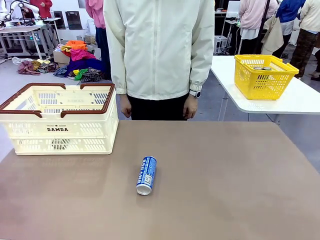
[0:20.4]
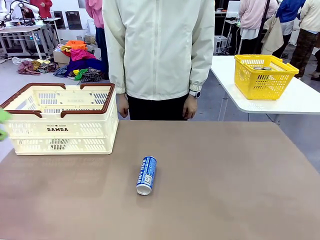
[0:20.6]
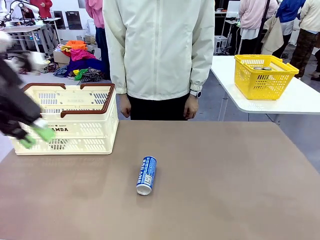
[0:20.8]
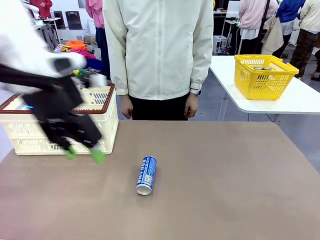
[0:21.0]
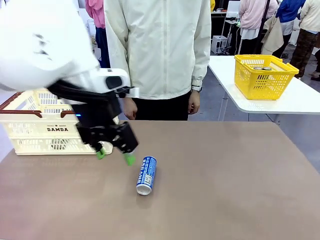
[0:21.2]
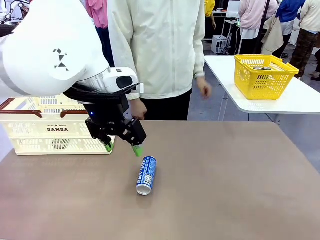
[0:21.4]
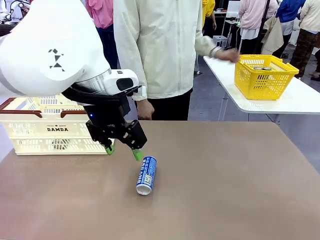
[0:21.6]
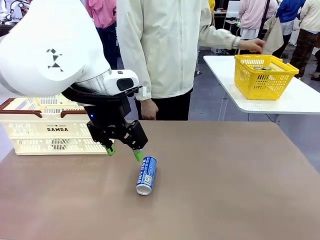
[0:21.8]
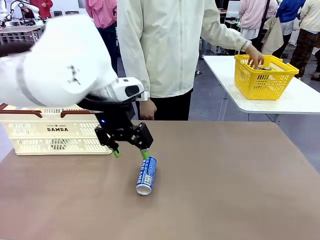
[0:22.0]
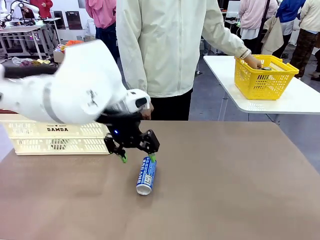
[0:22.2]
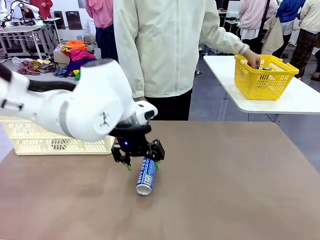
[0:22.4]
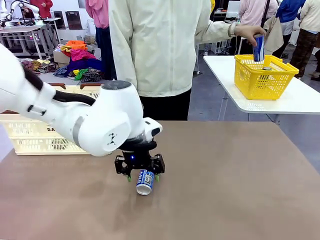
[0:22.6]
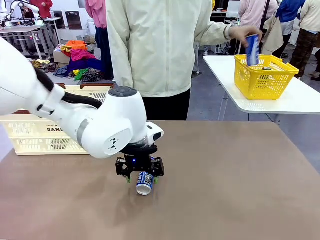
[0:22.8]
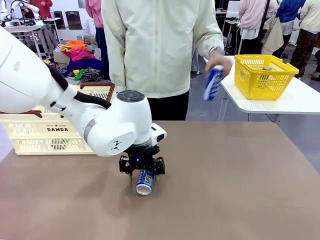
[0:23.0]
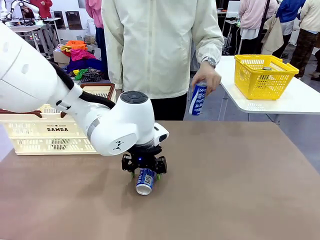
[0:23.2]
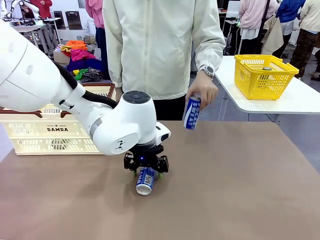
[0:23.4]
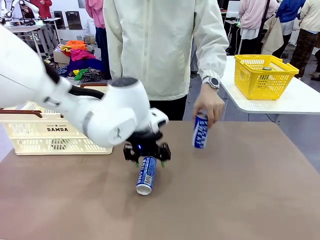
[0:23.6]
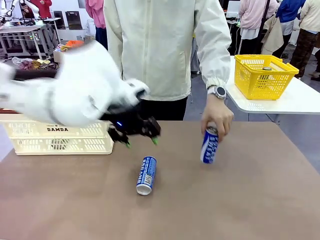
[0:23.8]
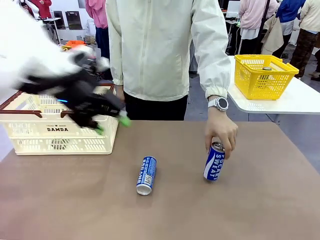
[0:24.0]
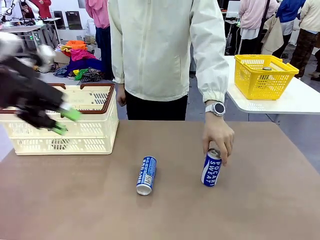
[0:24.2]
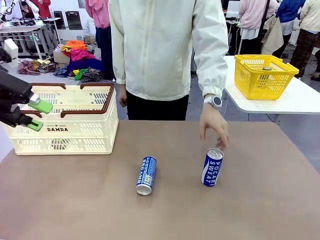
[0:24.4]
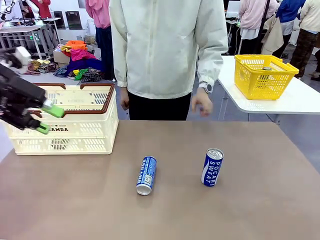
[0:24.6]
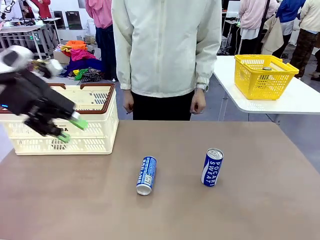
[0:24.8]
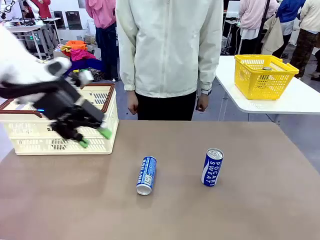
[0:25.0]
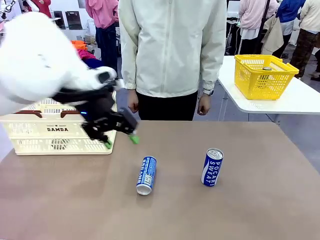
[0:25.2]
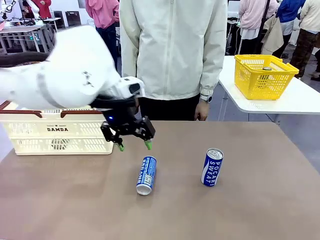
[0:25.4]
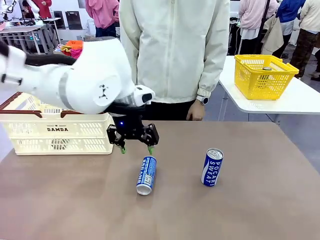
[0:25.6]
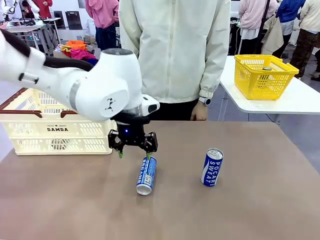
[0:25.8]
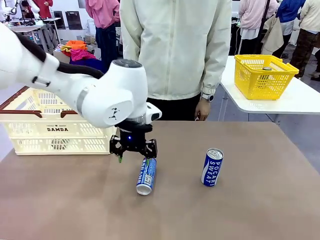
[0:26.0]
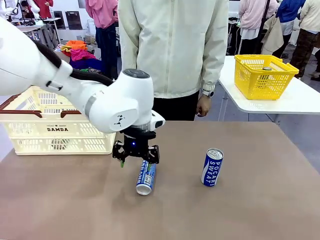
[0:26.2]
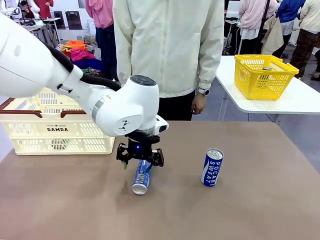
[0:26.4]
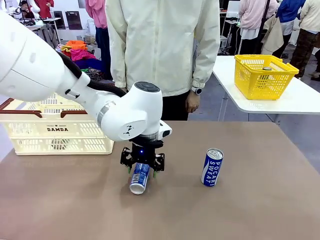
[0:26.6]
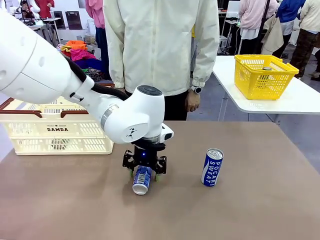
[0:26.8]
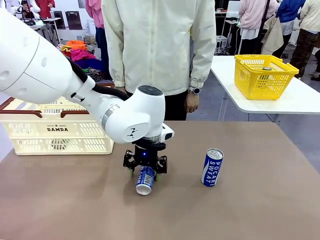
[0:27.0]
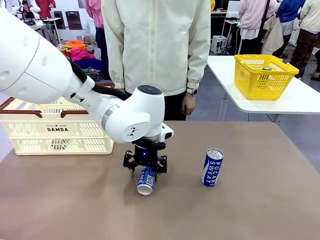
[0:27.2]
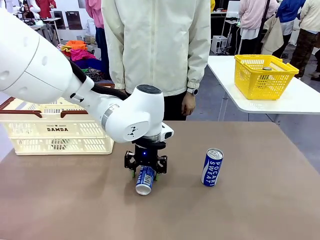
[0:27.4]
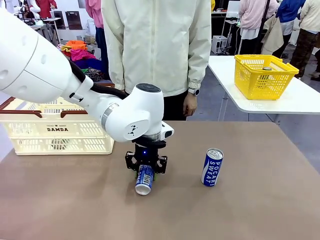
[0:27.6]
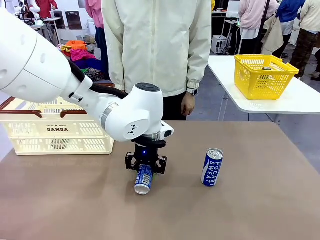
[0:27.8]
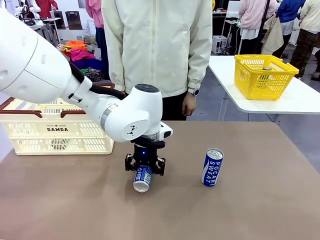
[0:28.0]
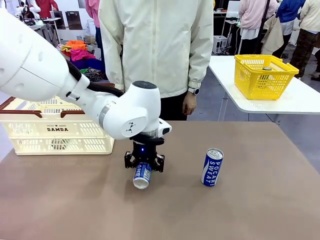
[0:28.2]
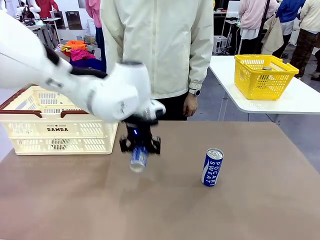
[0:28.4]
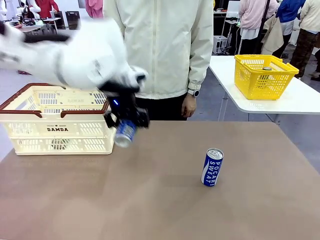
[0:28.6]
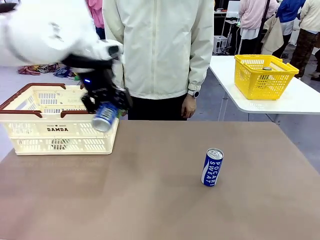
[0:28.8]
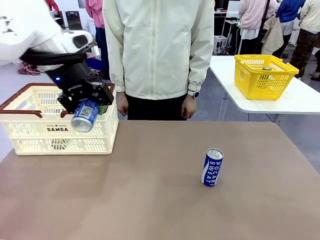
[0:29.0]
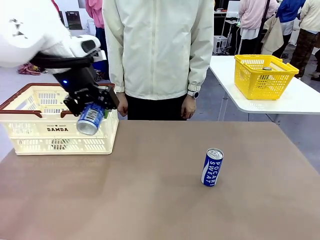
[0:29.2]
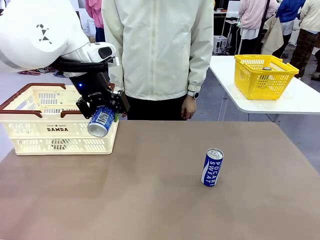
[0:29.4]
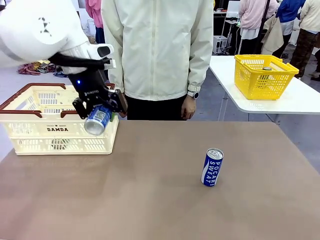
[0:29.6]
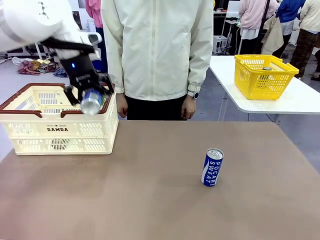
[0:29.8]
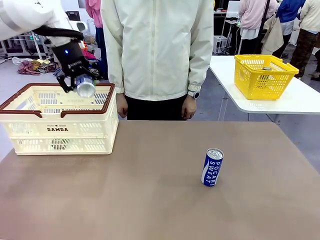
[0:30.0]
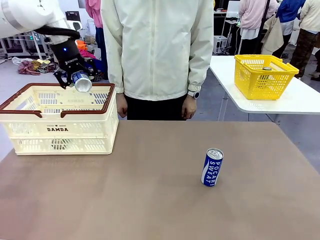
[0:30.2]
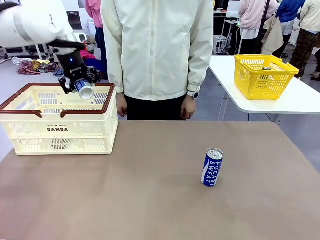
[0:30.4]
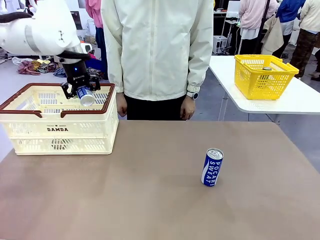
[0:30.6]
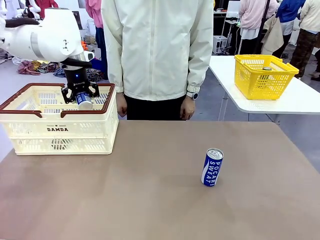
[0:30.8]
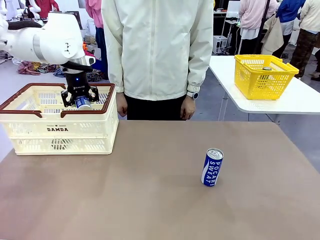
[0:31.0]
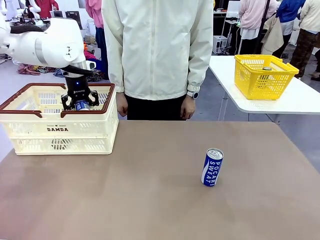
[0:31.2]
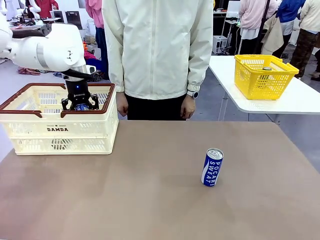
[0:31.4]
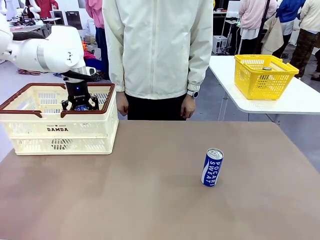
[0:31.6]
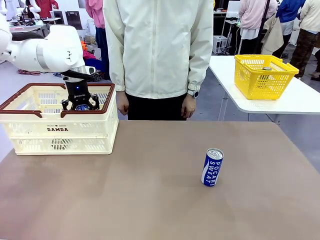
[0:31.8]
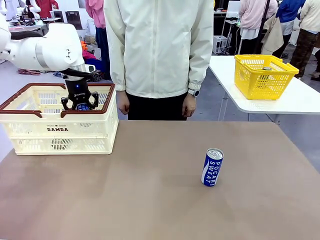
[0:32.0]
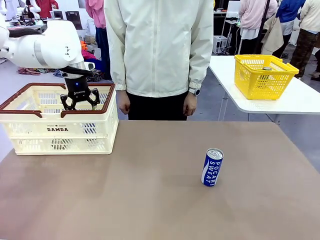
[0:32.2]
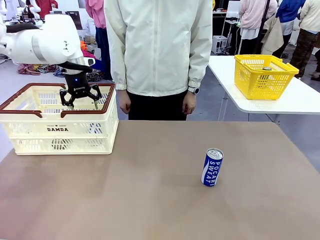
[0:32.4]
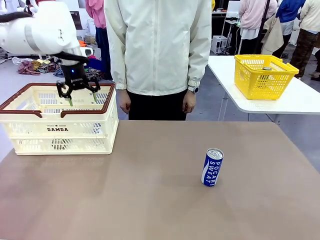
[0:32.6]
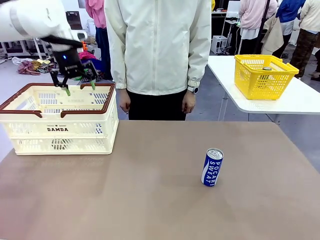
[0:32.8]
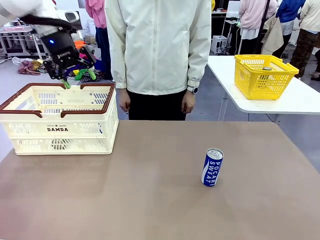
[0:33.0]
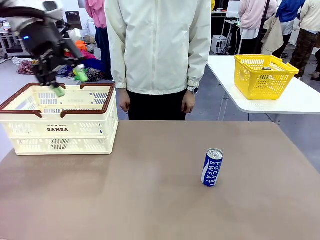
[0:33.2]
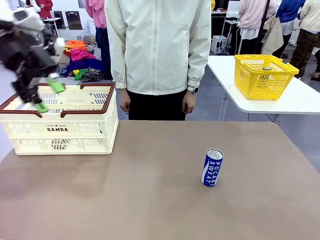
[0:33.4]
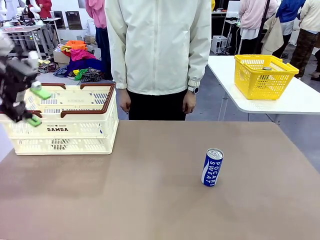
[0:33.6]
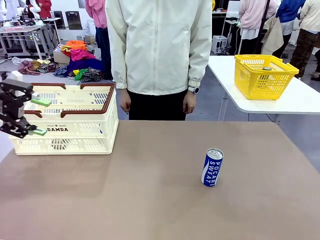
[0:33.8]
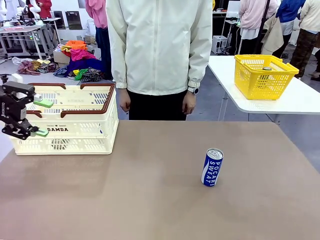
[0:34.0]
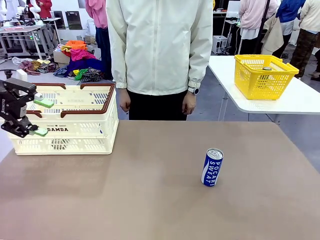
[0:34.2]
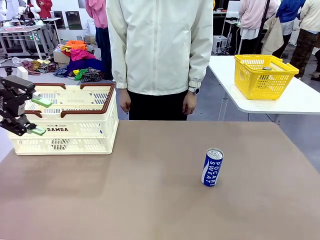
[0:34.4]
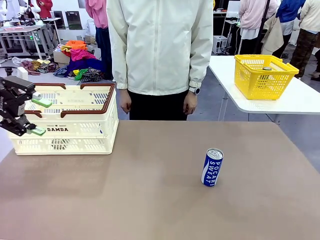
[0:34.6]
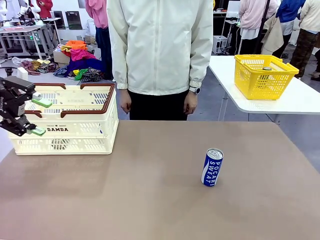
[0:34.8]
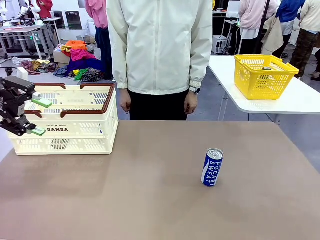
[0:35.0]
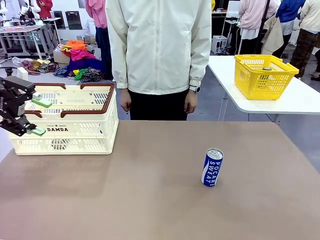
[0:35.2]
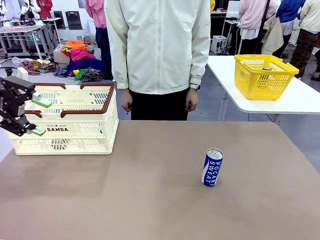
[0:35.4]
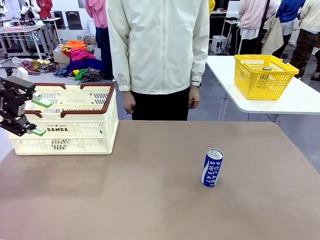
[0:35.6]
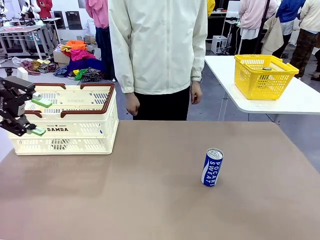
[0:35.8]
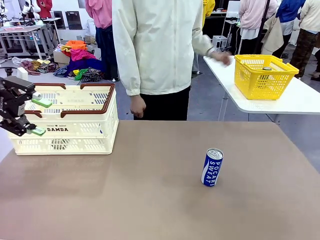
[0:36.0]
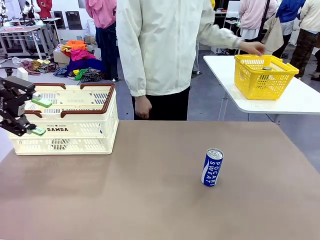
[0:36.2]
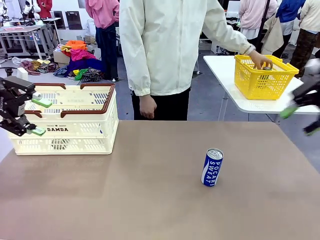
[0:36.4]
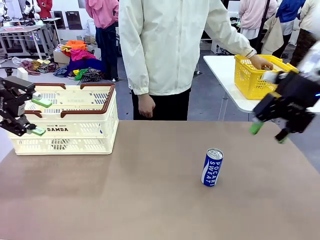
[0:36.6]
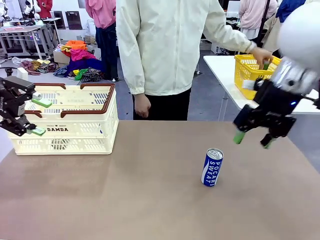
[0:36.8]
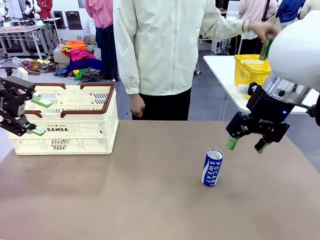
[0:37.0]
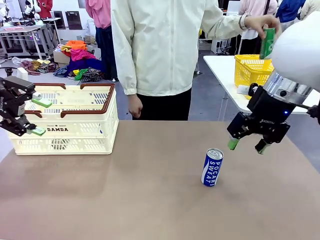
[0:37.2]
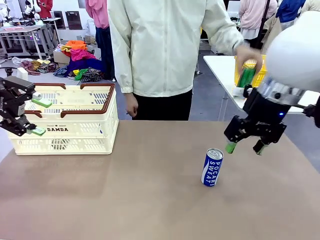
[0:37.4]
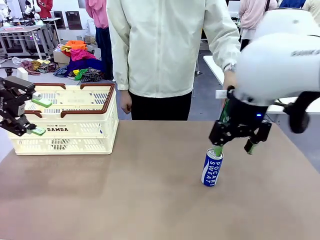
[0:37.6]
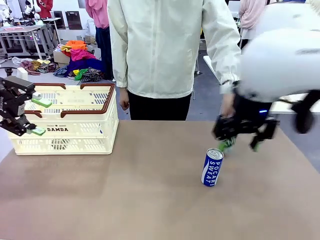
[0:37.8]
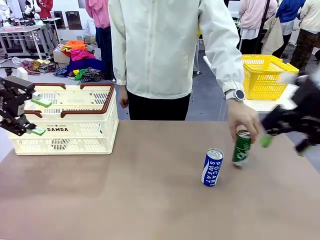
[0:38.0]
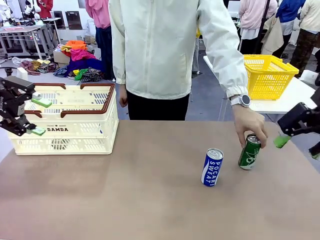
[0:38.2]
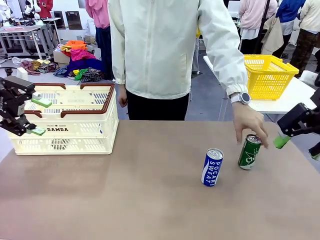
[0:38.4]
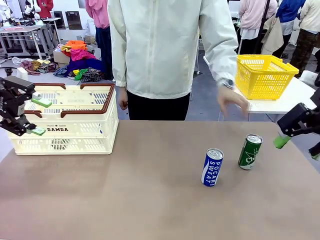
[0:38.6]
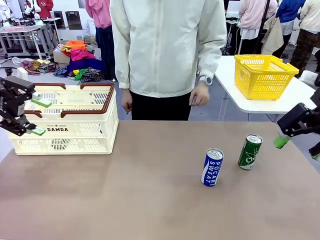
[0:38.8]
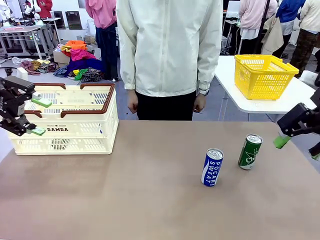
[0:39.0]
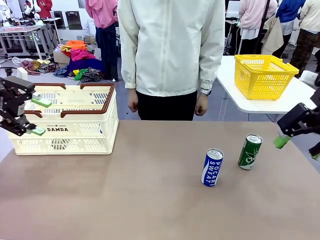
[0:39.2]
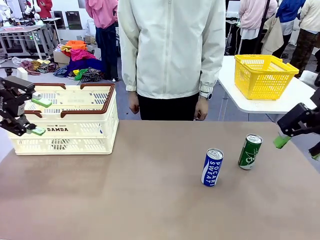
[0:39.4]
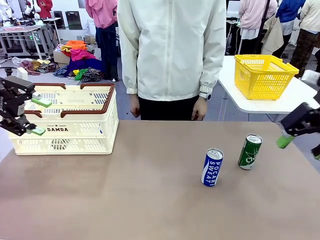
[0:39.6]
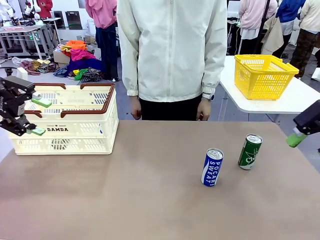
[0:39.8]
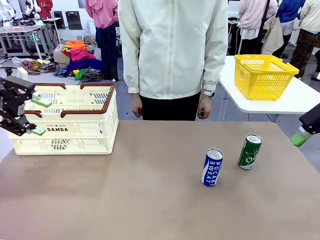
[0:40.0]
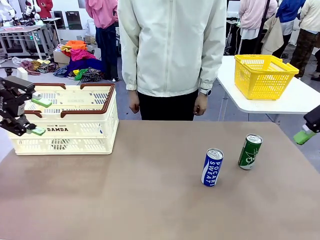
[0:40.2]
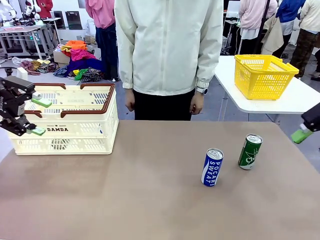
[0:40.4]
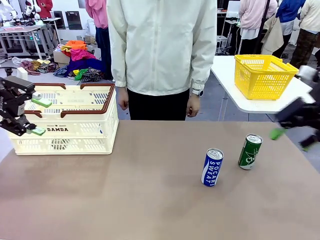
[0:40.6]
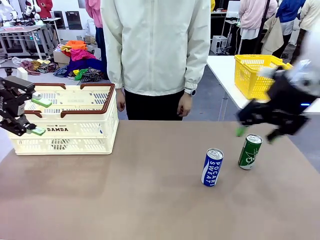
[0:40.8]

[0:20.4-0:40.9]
Task: Place the drinks into the Shopping basket.
Robot: Pick up one drink and place it into the Shopping basket.
